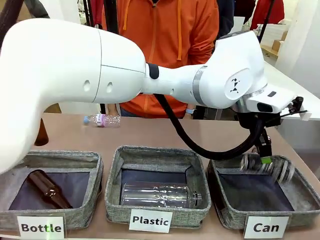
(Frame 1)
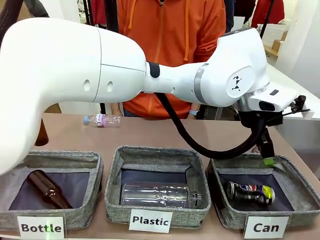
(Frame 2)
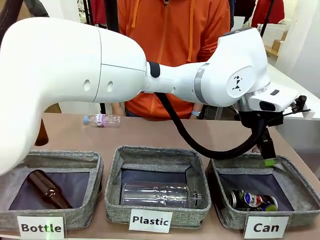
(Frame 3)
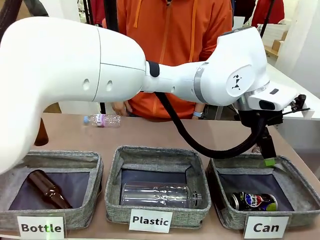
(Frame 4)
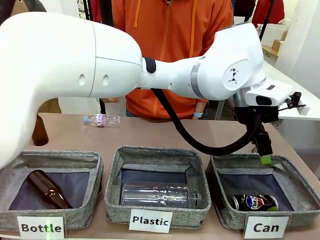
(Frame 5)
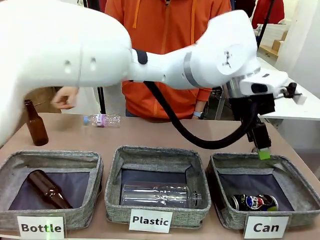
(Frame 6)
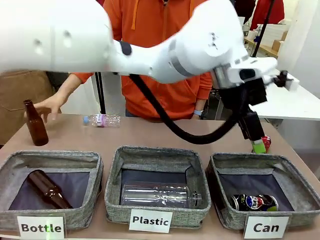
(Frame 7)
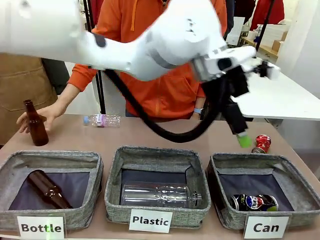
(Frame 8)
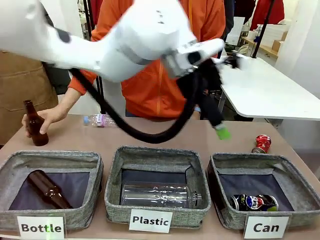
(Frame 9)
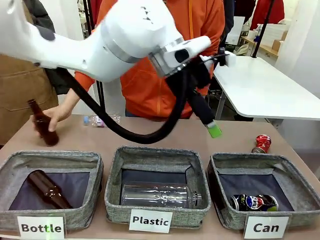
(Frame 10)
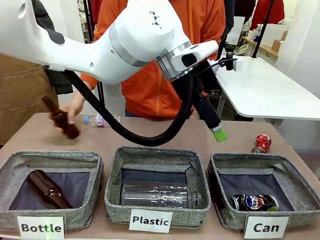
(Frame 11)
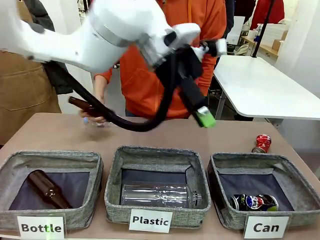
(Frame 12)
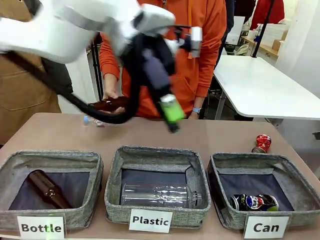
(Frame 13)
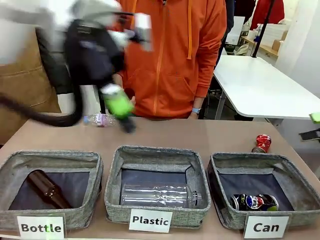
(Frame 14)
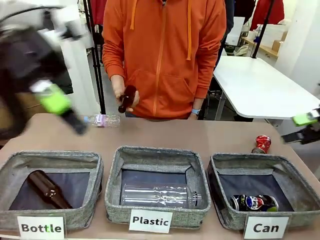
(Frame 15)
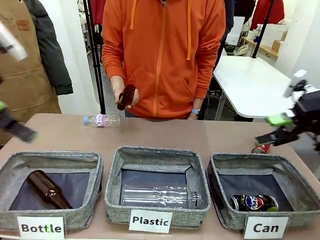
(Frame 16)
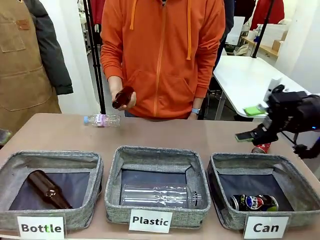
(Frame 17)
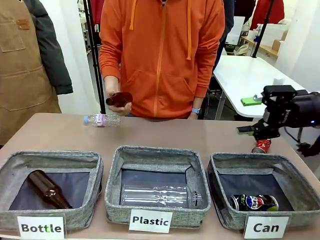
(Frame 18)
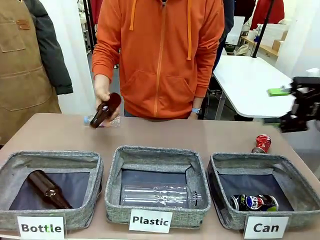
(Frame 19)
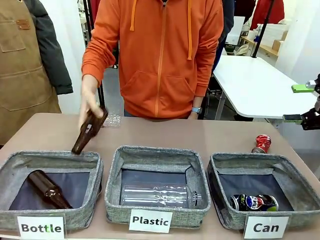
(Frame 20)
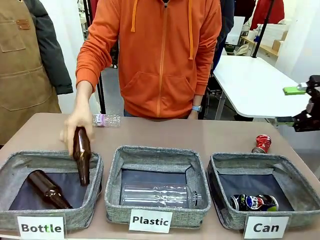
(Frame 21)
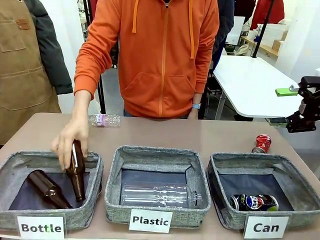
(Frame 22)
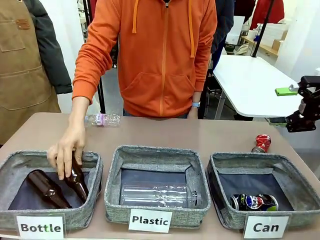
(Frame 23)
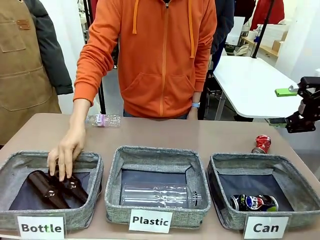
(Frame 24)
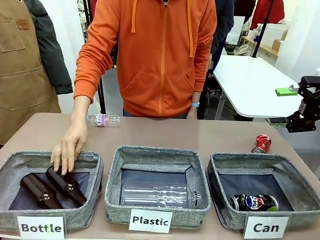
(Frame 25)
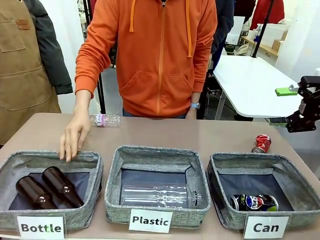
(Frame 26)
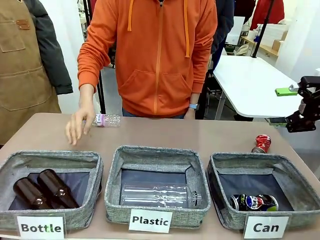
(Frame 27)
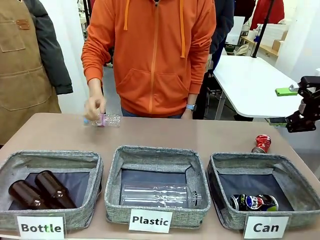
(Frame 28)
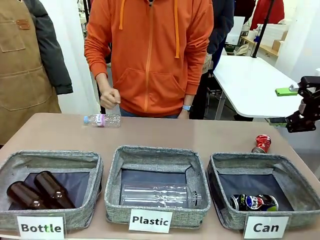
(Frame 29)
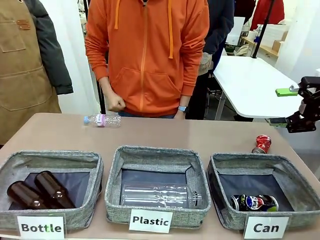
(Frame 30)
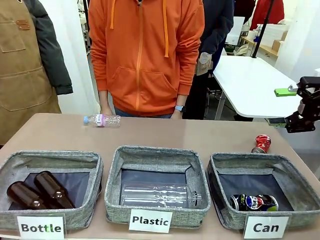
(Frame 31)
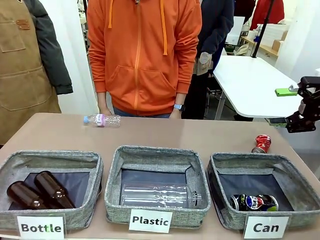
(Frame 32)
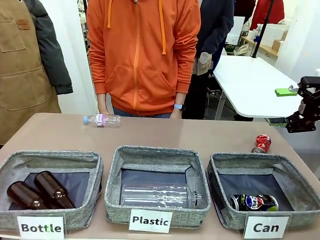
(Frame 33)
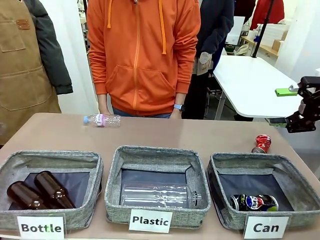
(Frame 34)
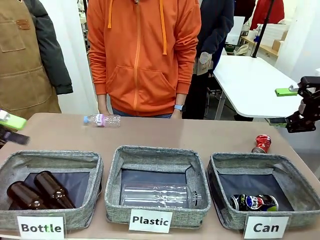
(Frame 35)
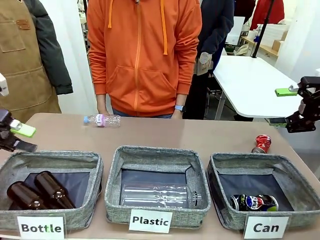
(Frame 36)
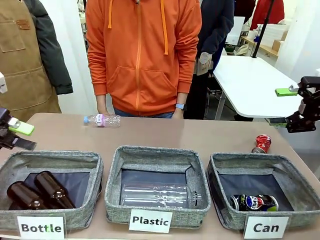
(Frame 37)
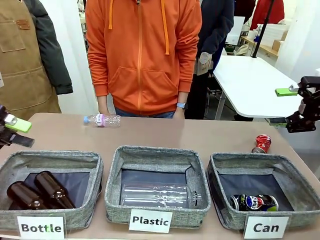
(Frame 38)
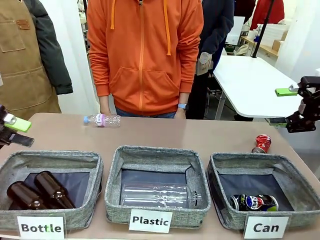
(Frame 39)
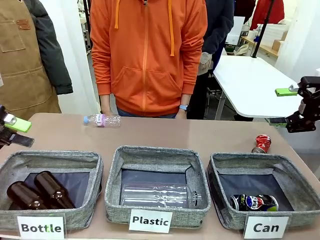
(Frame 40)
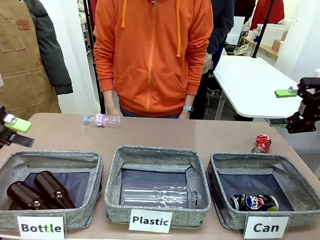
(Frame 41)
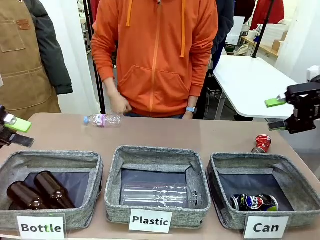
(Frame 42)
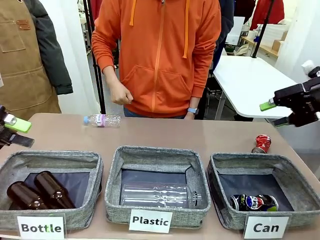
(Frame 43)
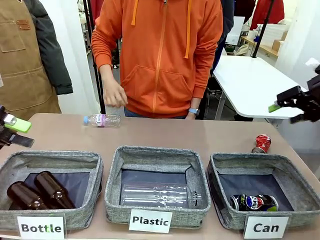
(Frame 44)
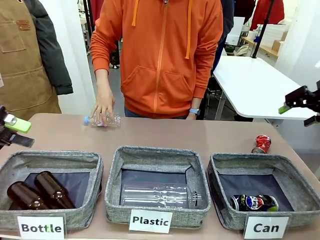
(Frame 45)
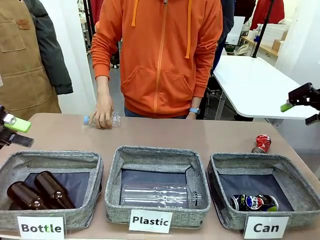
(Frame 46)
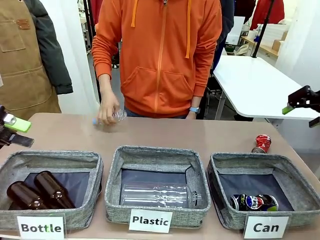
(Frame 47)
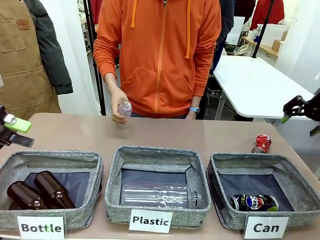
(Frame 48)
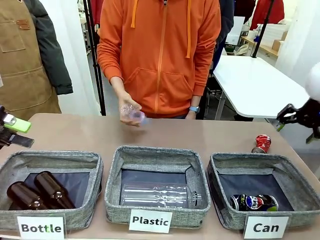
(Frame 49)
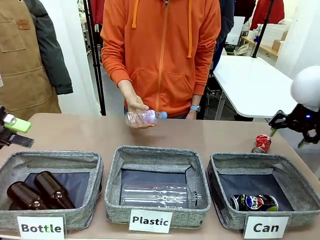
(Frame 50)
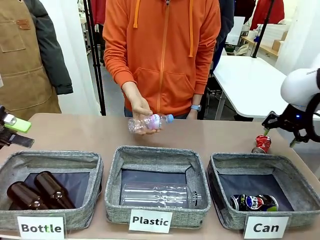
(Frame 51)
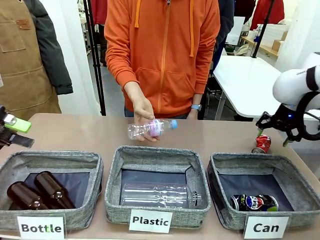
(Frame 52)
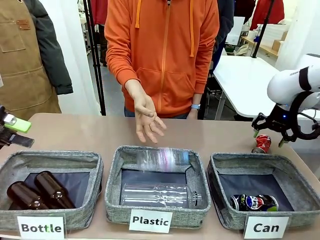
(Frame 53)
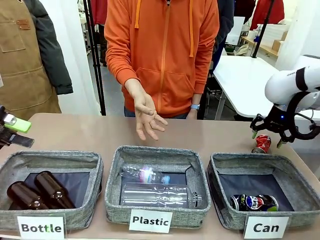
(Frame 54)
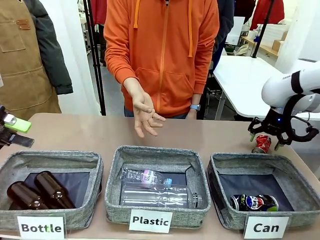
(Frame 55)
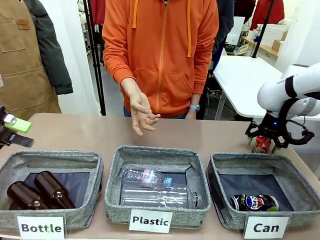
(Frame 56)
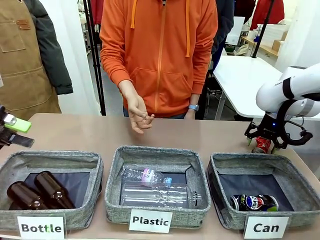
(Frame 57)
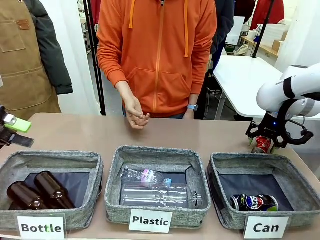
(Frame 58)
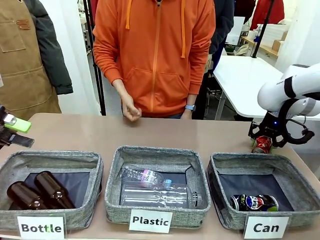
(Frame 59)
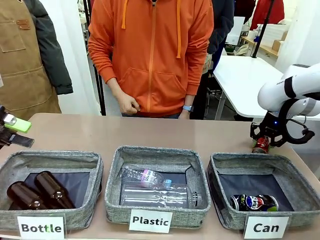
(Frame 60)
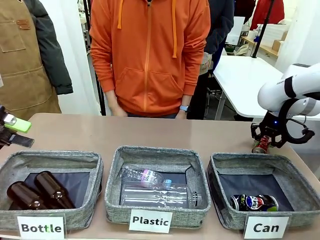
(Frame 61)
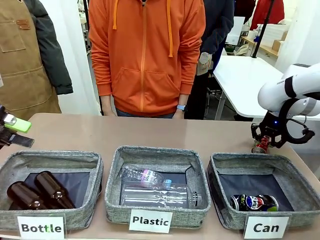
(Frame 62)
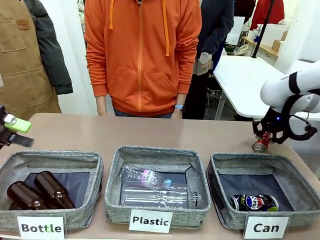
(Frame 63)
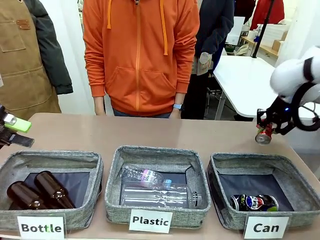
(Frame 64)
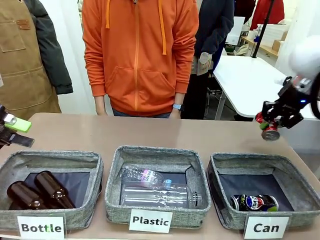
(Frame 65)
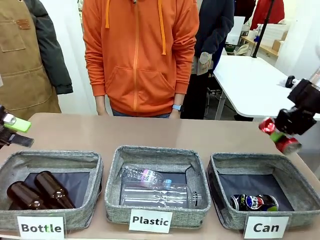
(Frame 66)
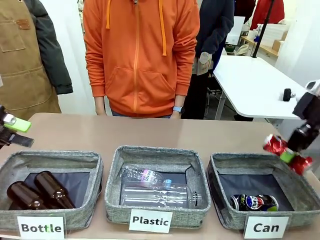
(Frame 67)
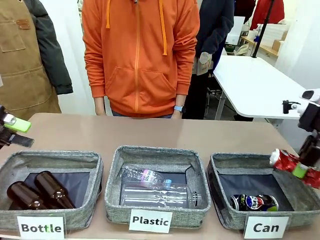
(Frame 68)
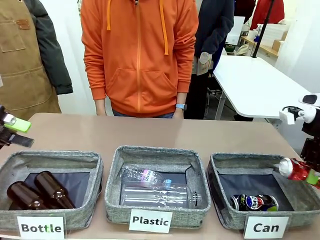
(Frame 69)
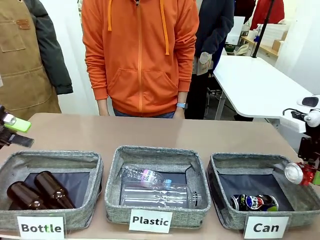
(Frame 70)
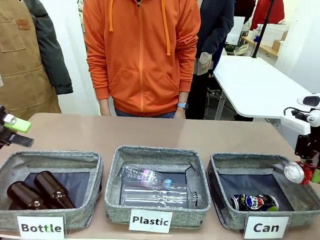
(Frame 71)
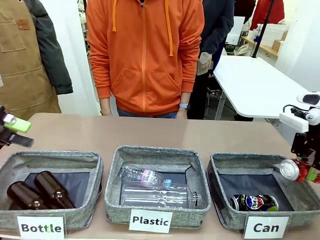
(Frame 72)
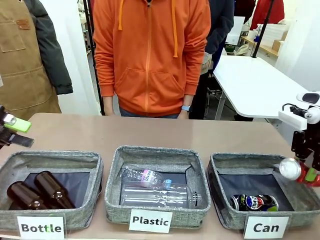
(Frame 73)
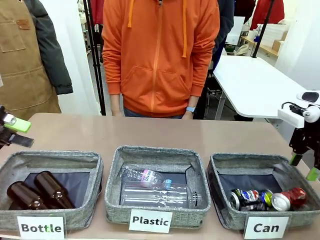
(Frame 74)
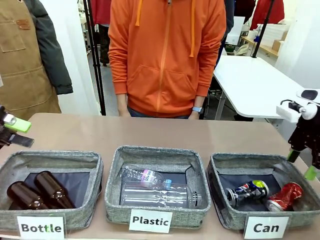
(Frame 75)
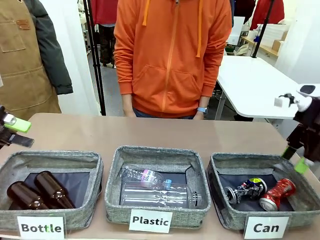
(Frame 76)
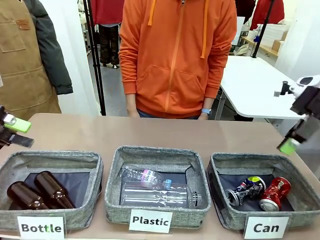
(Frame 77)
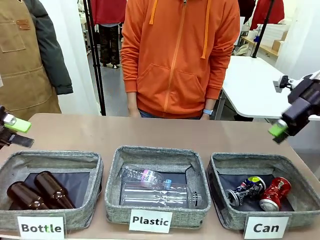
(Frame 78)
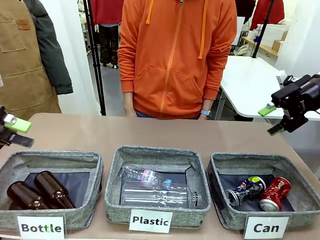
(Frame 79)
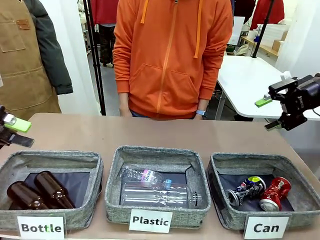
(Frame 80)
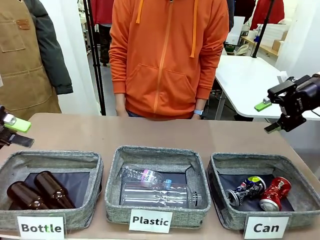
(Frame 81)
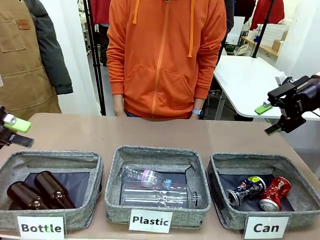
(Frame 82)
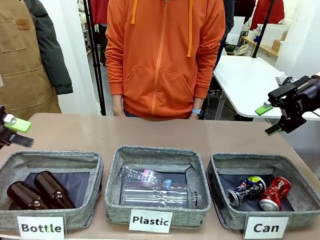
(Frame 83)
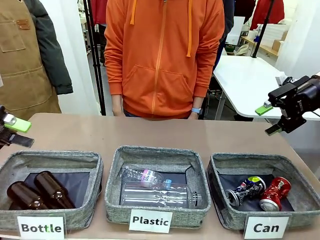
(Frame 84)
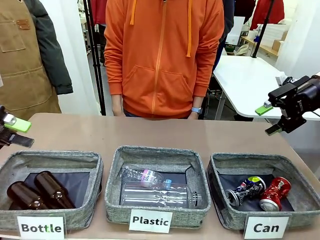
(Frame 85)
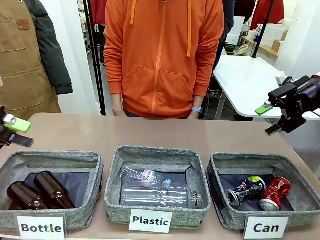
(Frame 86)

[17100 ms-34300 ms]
Task: Sort the can waste into the basket.
Robot: Pick up the can waste from the table and place it in the right Fabric basket.
Person: The human picks up one piece of trash that is not a can and places the trash into the appropriate organizing basket.
